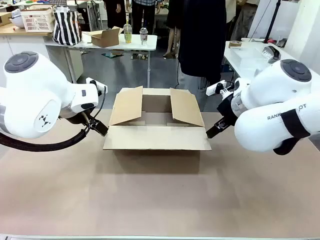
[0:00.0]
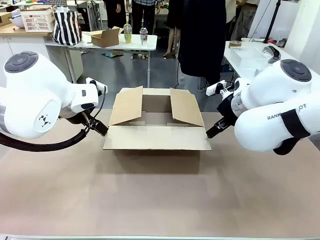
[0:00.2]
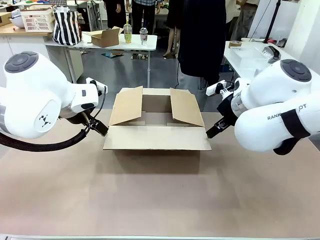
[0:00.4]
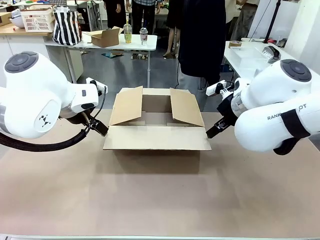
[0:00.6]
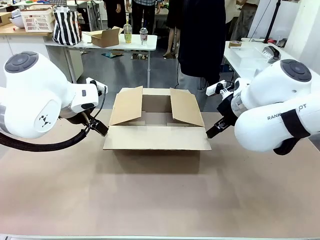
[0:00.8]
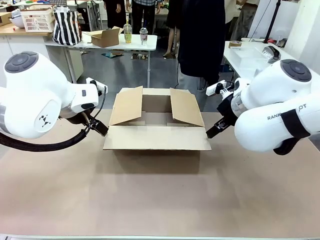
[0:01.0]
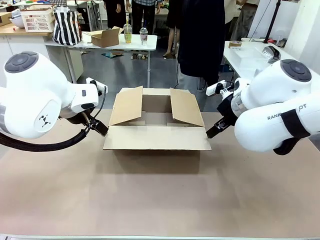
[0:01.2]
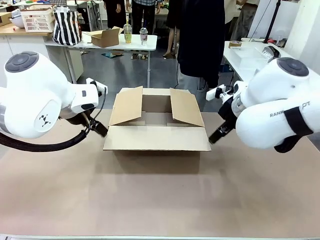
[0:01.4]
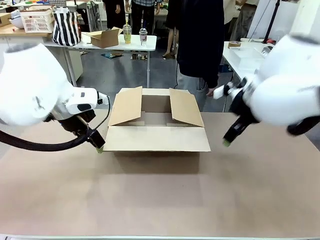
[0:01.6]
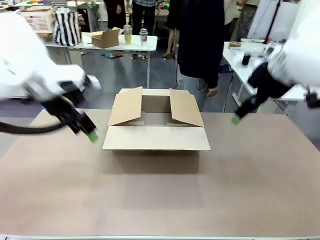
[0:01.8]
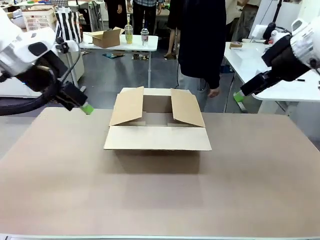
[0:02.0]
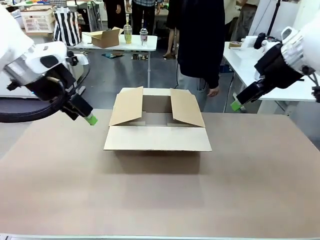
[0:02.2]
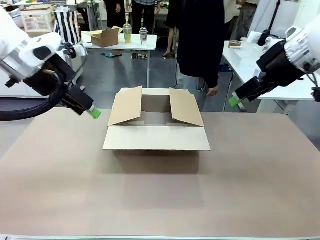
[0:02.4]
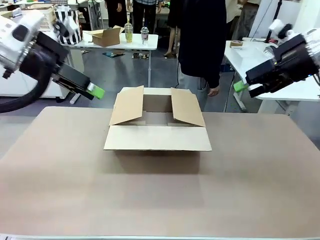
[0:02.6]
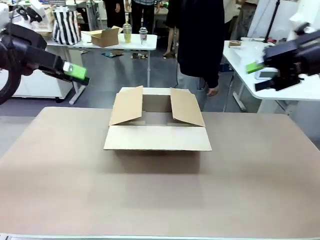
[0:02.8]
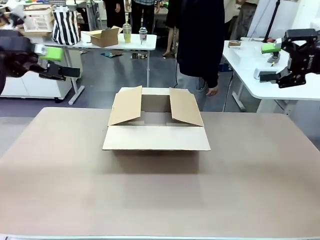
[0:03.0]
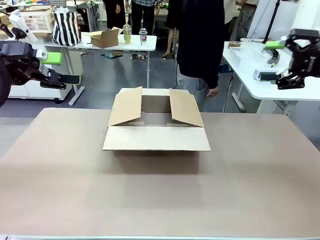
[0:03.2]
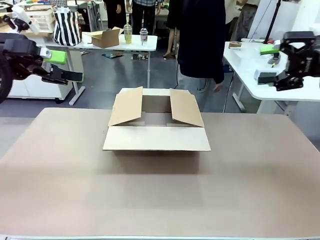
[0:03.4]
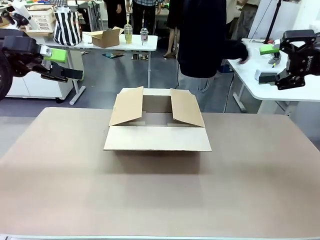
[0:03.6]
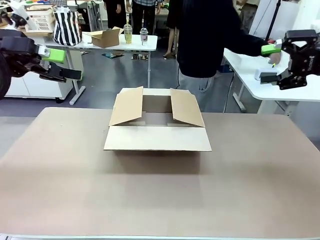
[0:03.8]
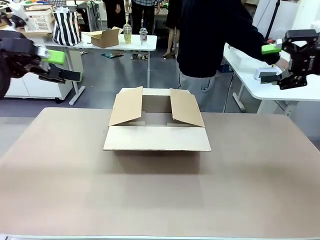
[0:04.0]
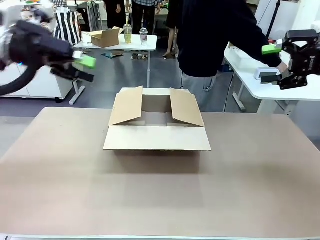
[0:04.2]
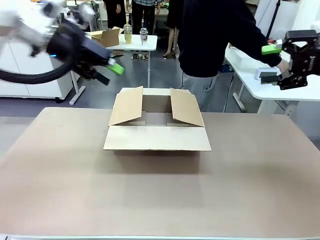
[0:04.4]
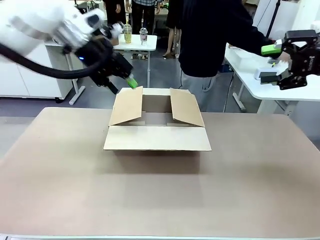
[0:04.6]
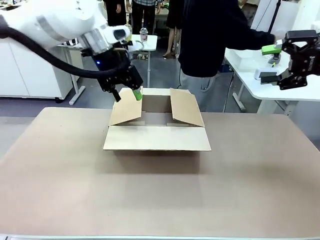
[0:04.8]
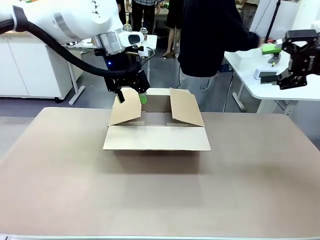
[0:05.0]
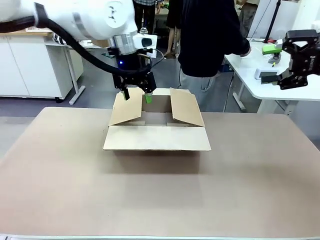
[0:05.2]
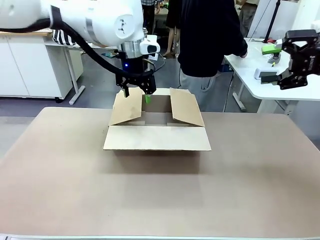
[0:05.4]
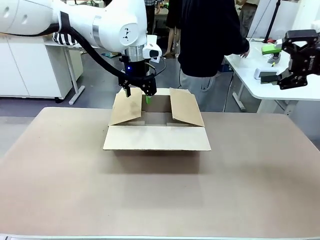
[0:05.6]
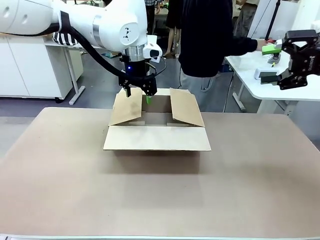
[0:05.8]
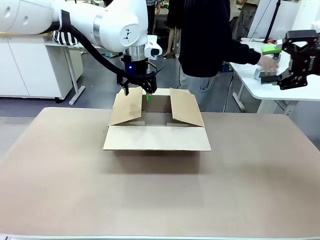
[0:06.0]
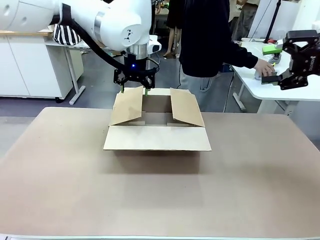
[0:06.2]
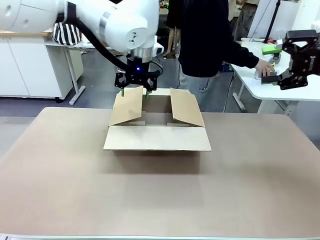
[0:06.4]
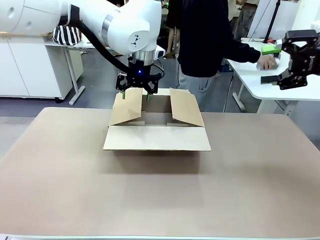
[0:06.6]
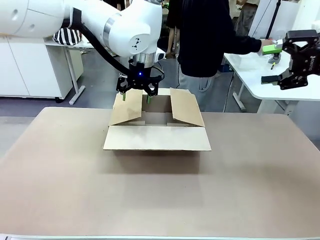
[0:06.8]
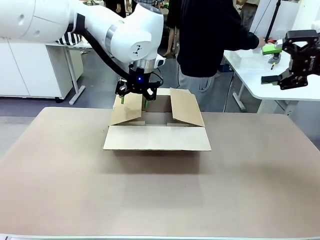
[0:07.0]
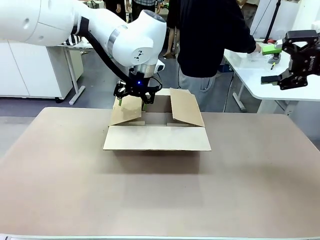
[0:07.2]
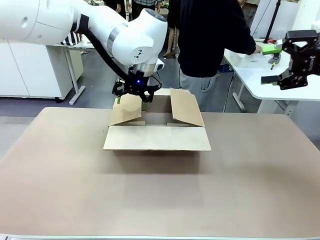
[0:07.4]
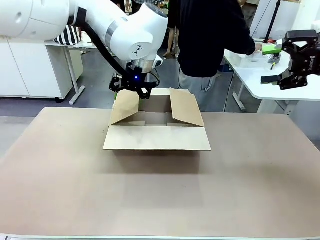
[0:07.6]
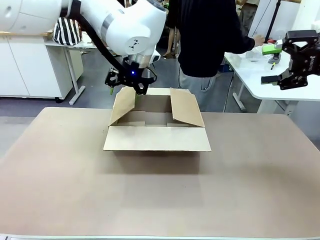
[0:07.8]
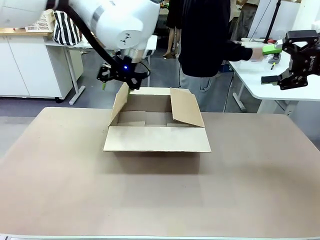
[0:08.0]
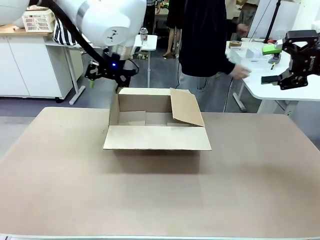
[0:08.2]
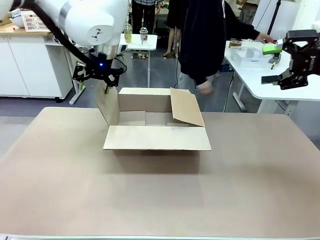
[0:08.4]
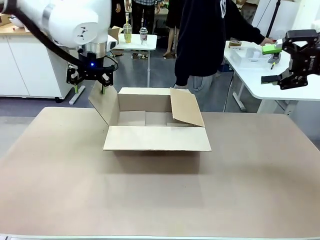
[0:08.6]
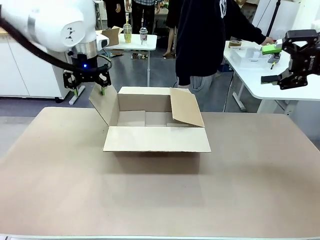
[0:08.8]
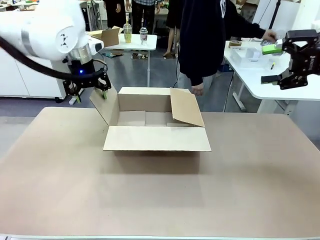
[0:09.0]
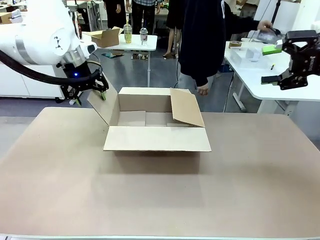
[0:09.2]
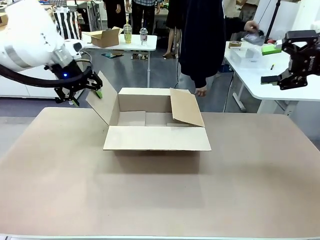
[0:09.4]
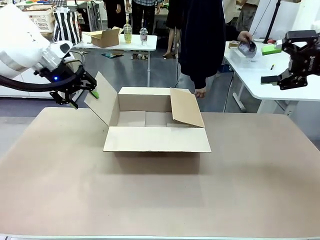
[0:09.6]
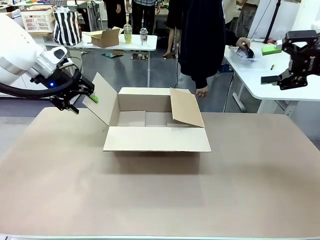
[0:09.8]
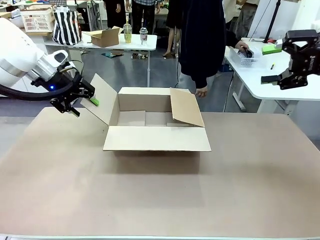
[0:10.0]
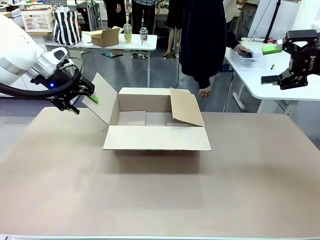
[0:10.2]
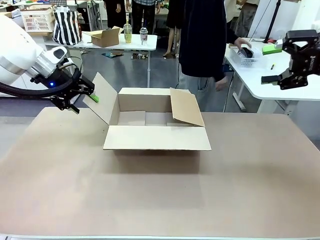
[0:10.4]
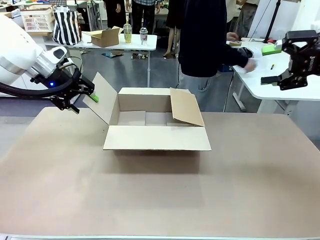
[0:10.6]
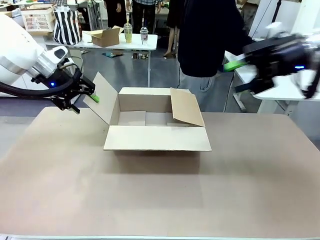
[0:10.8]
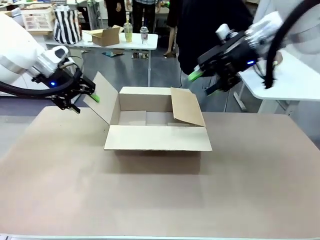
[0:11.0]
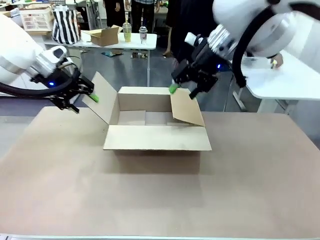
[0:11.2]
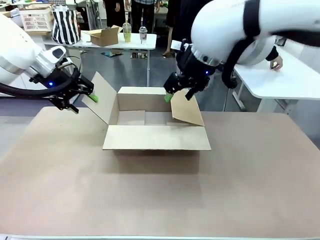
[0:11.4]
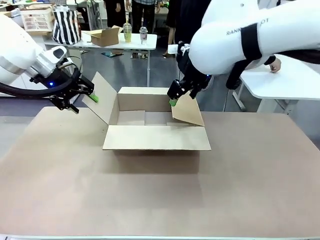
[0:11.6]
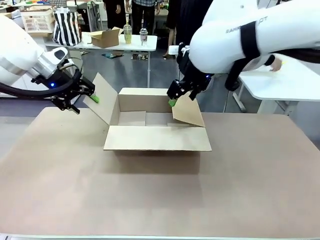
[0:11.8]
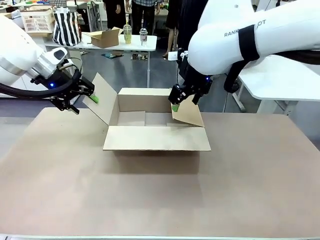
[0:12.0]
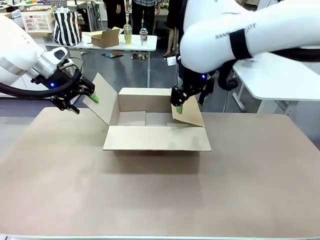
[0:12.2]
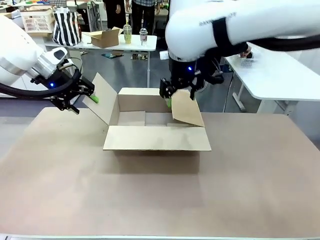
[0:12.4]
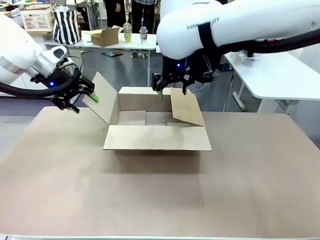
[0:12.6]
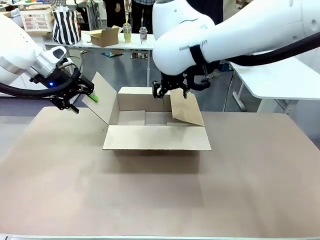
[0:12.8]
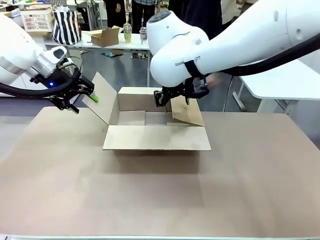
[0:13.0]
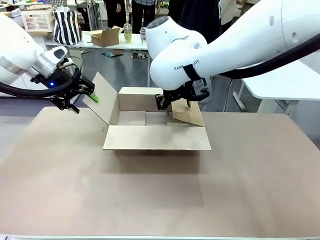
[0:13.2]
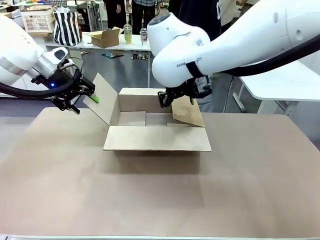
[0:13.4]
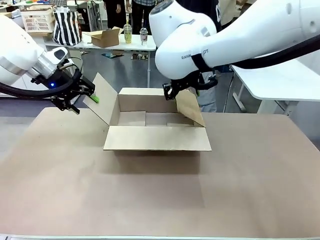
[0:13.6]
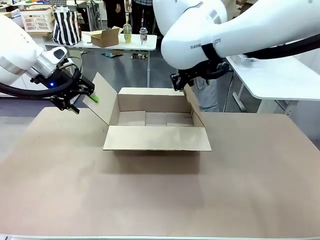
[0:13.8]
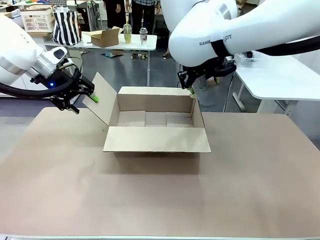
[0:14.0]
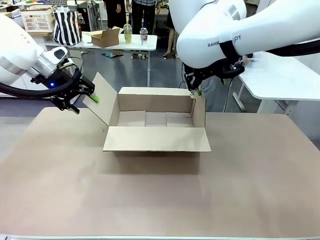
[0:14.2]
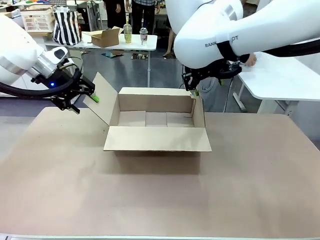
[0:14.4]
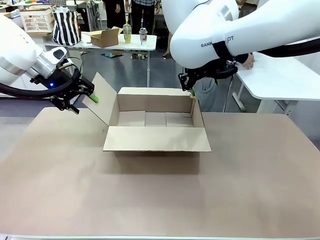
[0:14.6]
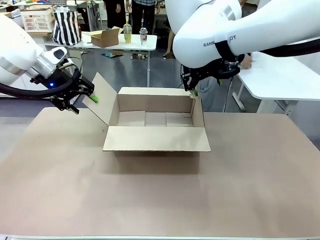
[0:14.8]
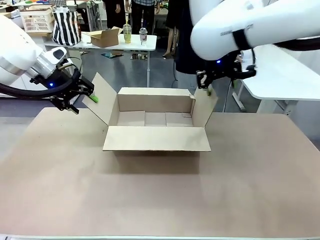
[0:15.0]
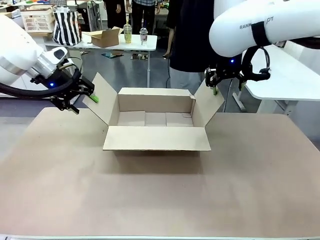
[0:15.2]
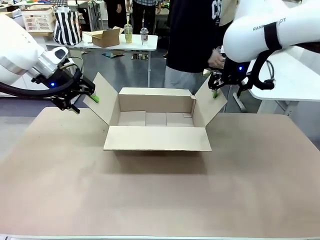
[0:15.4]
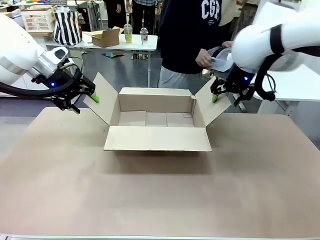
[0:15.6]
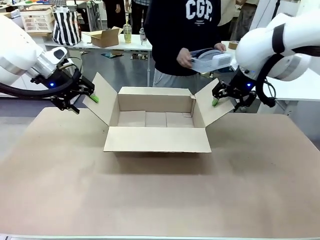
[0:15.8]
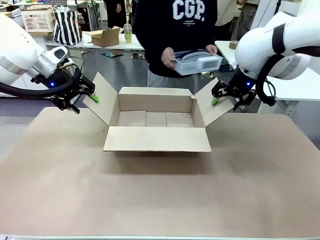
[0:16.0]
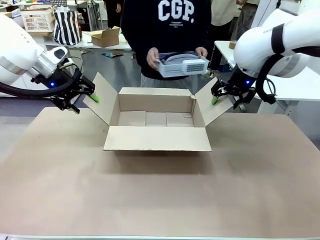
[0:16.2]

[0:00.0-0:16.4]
Task: Pack the gift set into the box.
Robot: Place both hands on the side flaps of the Package Box and spread them outward.
Person: The human places all items except the paper tape into the organizing basket. The human picks up the organizing basket and places the organizing basket into the package box on the robot table.

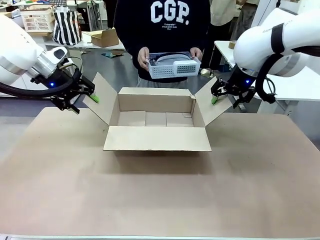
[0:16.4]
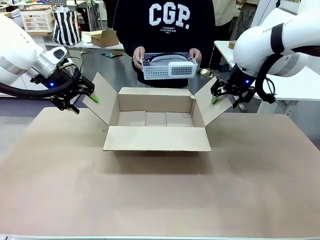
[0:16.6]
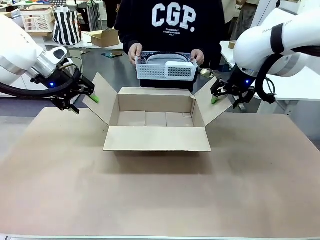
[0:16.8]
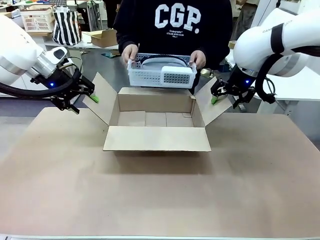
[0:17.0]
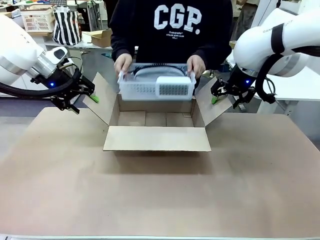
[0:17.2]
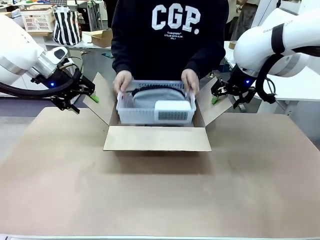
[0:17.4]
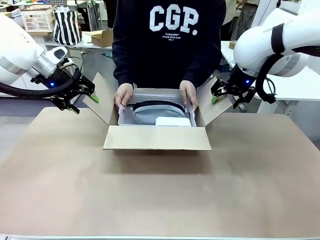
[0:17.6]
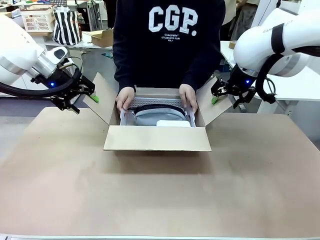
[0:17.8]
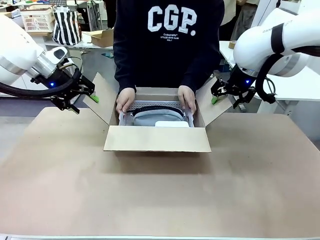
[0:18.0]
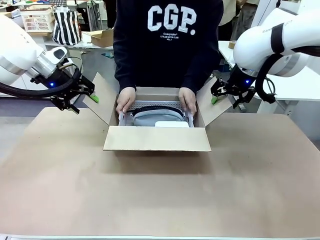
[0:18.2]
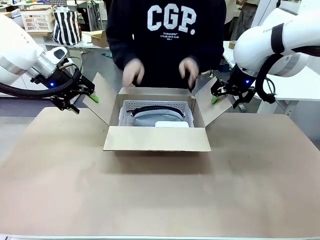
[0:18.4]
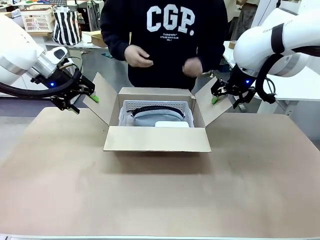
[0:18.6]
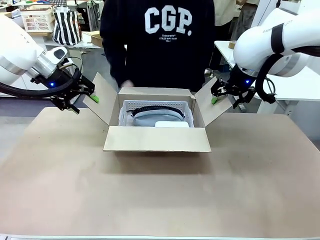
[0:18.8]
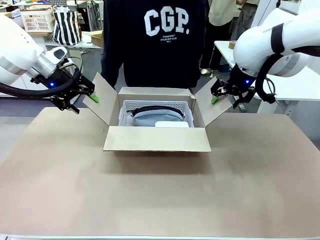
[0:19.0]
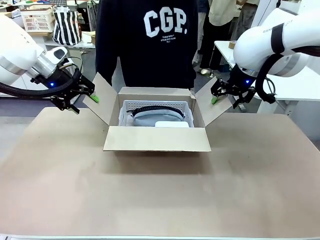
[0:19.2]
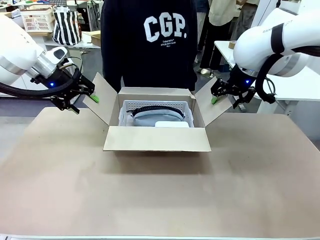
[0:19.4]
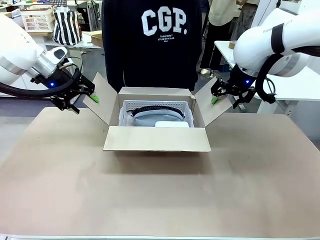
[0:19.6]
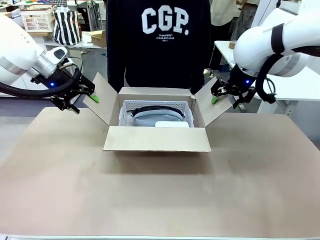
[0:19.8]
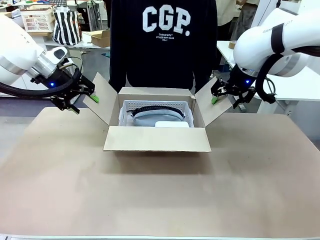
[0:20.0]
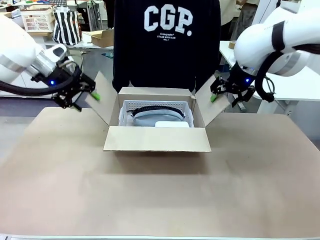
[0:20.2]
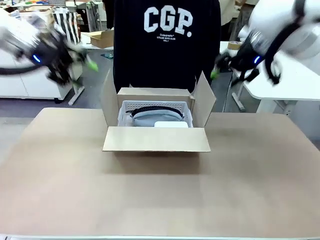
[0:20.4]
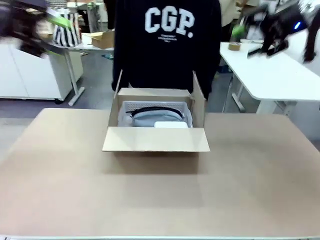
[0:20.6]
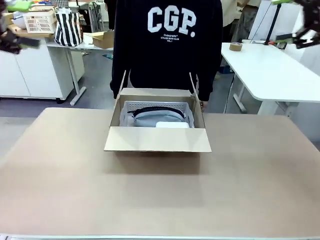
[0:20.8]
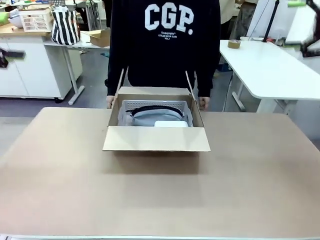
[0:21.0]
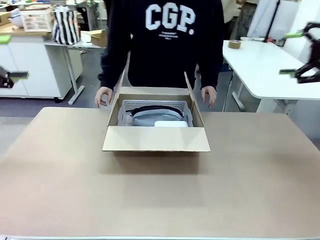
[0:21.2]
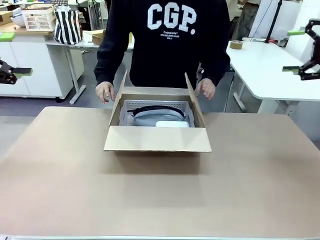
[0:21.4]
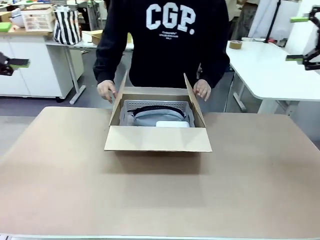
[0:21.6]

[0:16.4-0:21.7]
Robot: Lift both hands away from the flaps of the Package Box.
